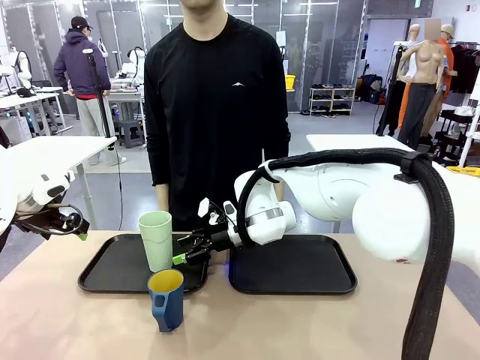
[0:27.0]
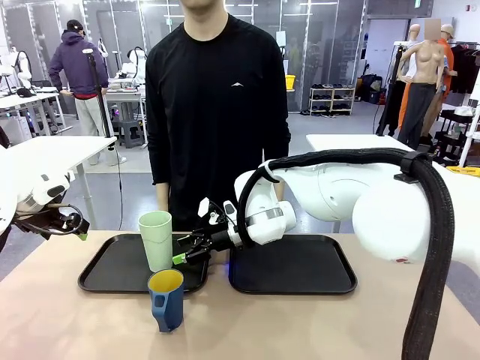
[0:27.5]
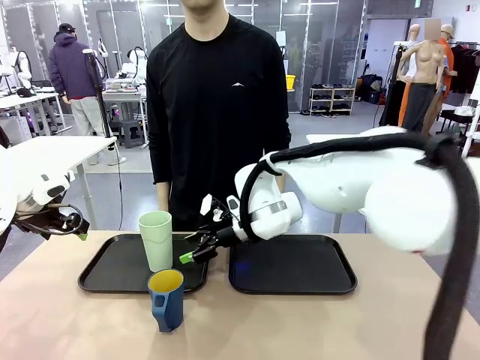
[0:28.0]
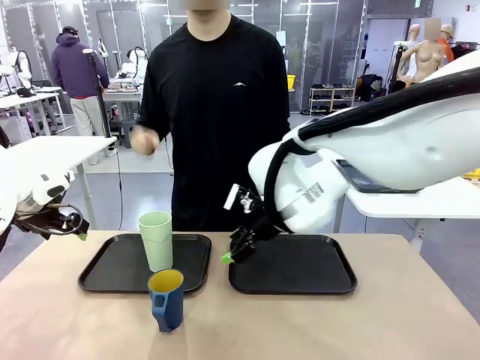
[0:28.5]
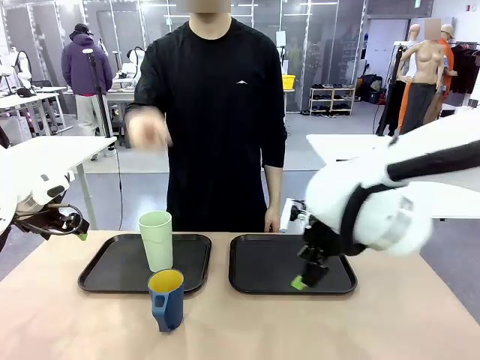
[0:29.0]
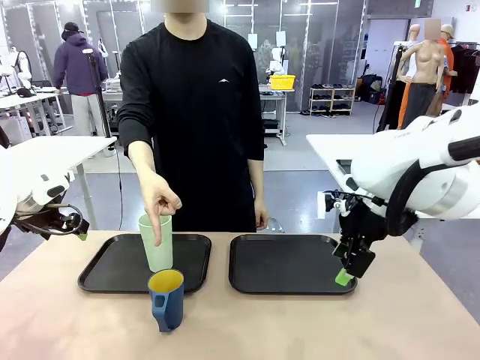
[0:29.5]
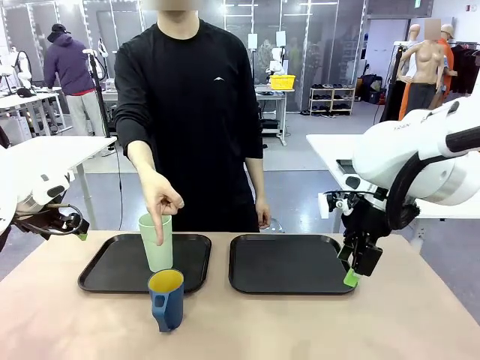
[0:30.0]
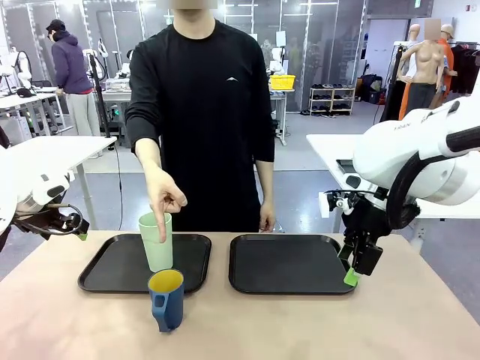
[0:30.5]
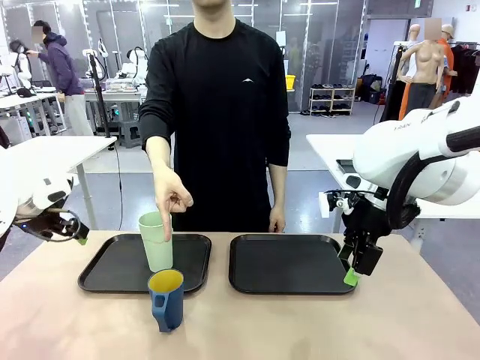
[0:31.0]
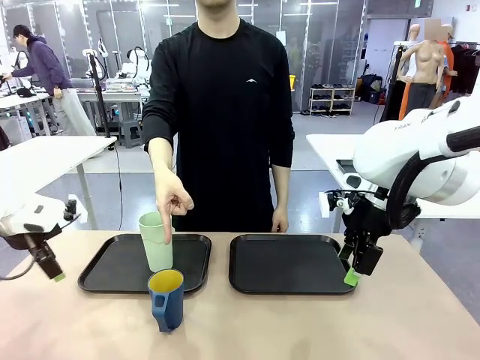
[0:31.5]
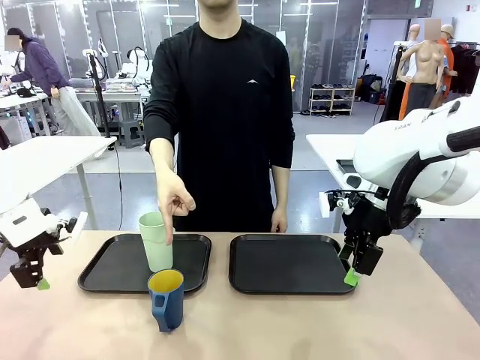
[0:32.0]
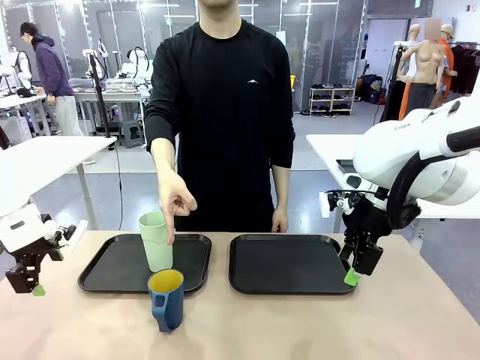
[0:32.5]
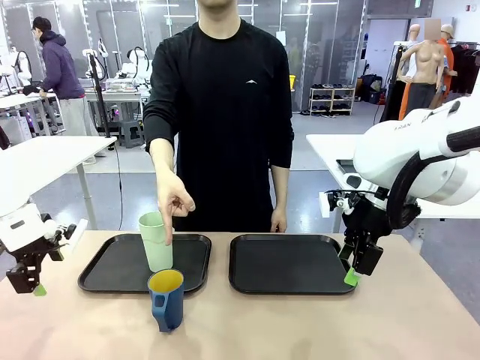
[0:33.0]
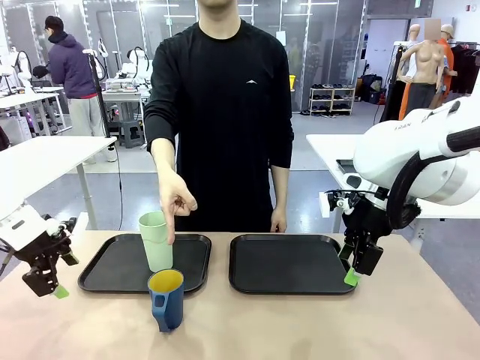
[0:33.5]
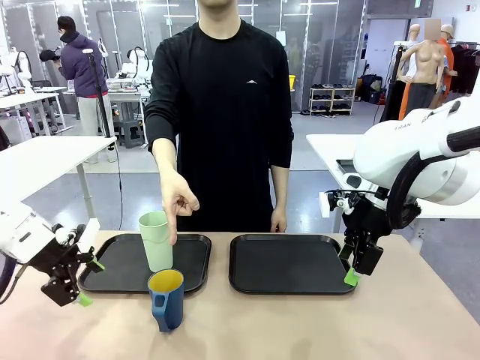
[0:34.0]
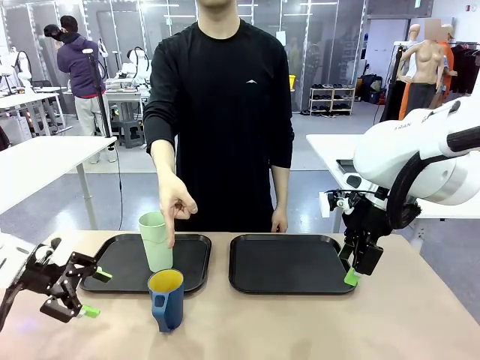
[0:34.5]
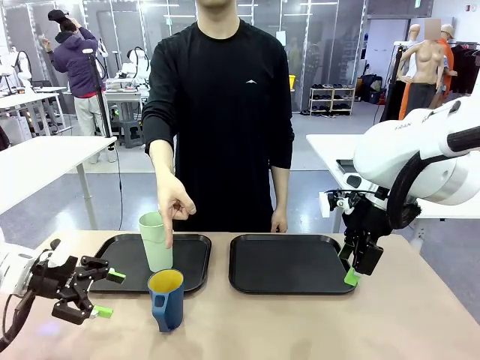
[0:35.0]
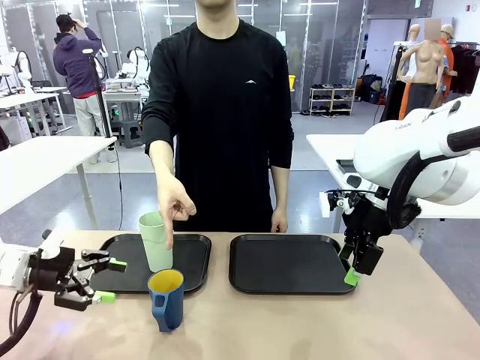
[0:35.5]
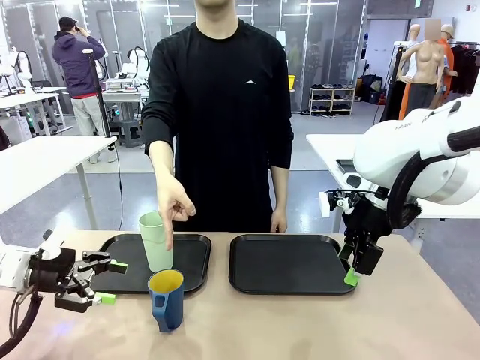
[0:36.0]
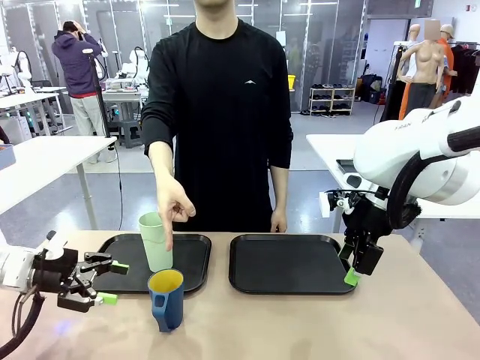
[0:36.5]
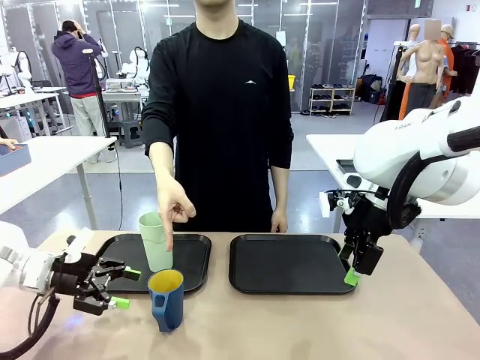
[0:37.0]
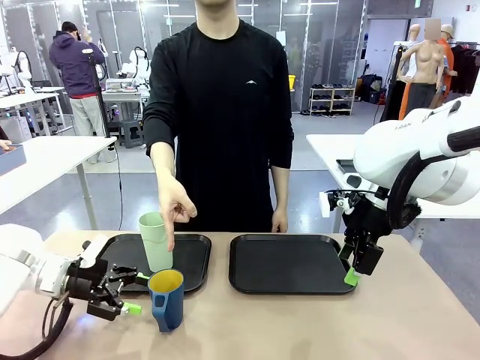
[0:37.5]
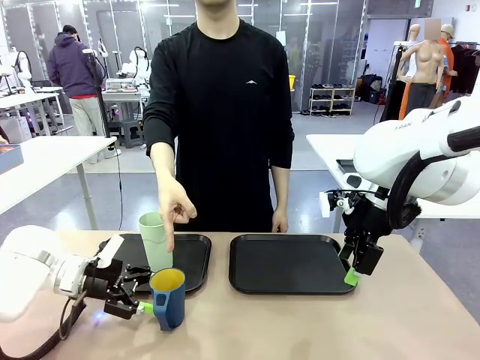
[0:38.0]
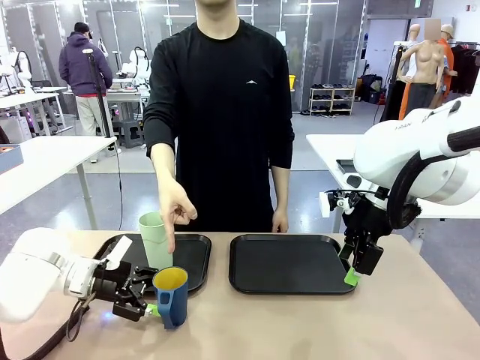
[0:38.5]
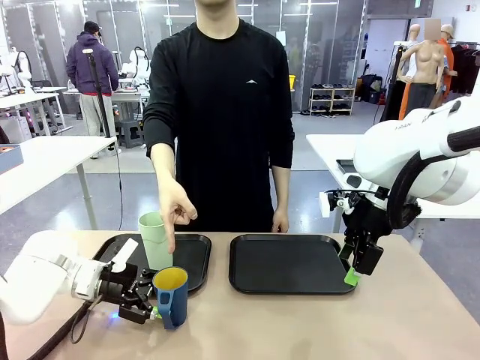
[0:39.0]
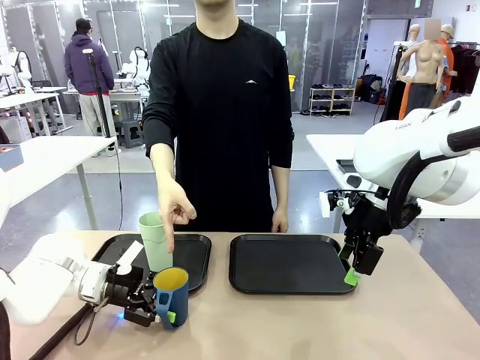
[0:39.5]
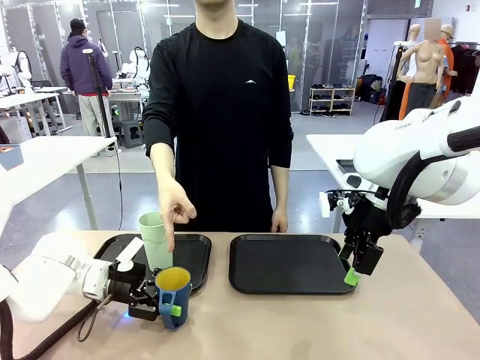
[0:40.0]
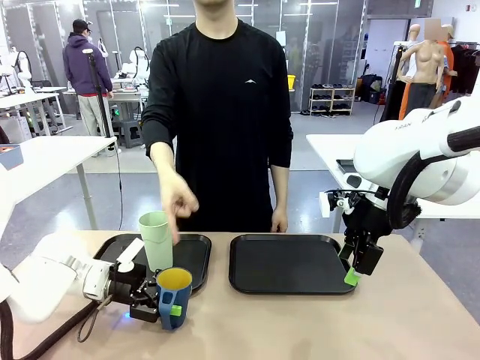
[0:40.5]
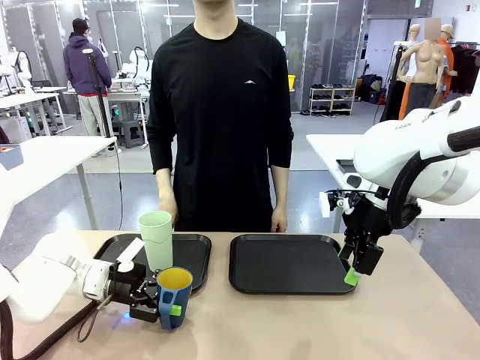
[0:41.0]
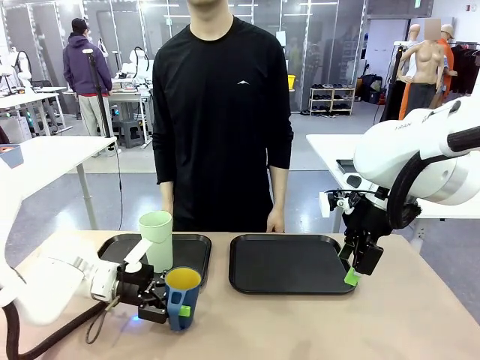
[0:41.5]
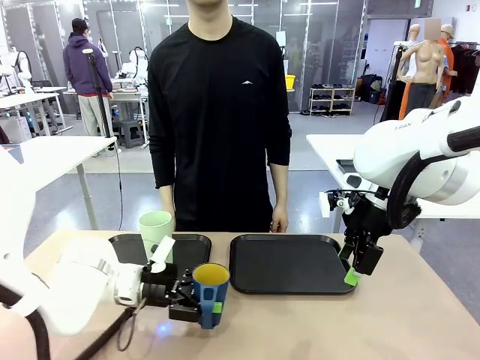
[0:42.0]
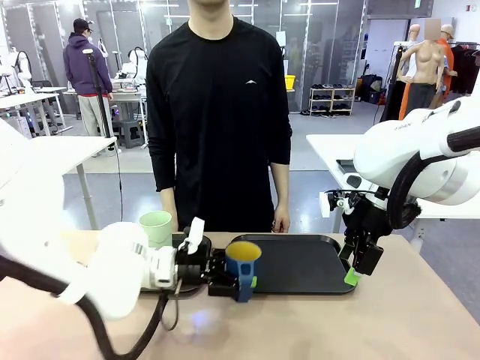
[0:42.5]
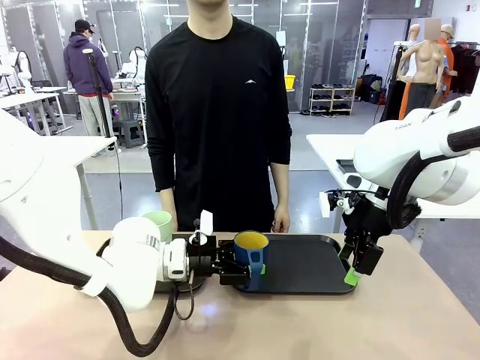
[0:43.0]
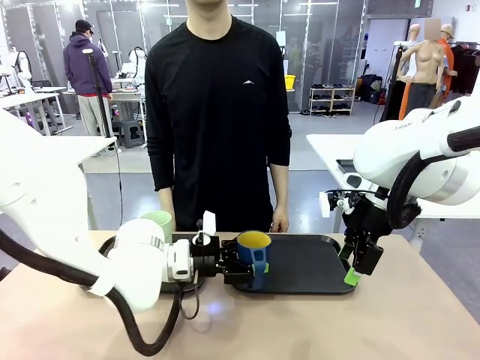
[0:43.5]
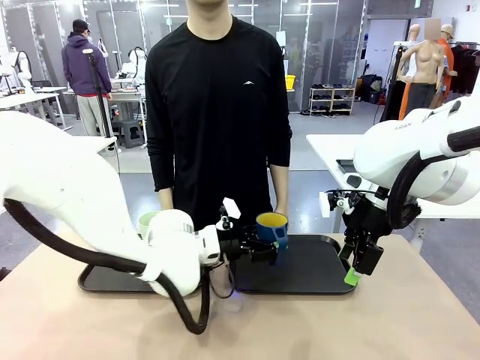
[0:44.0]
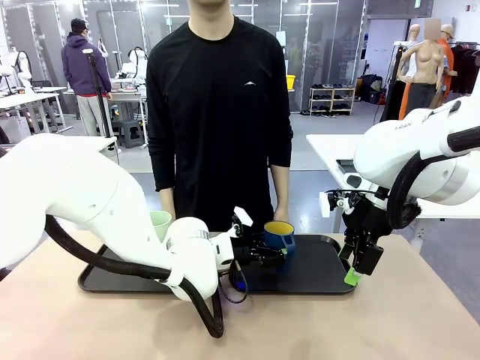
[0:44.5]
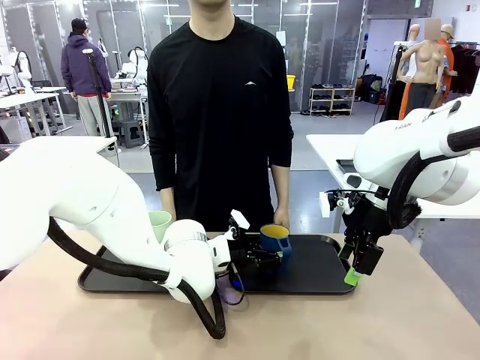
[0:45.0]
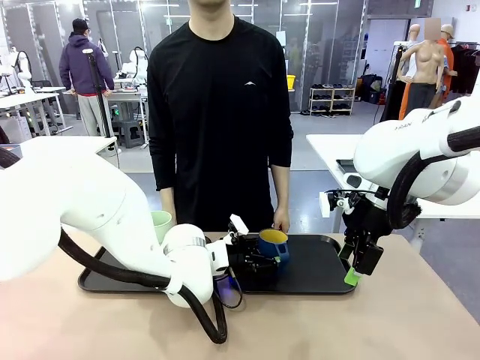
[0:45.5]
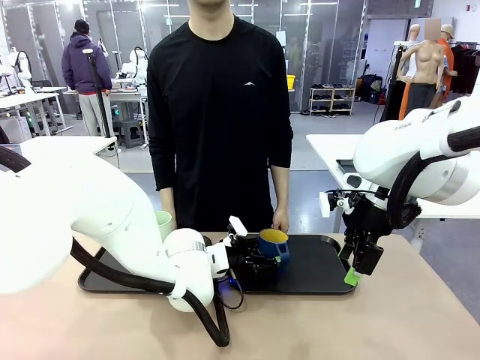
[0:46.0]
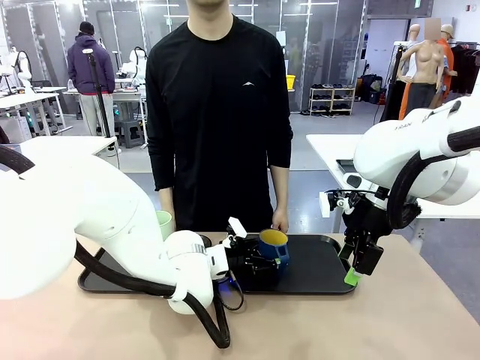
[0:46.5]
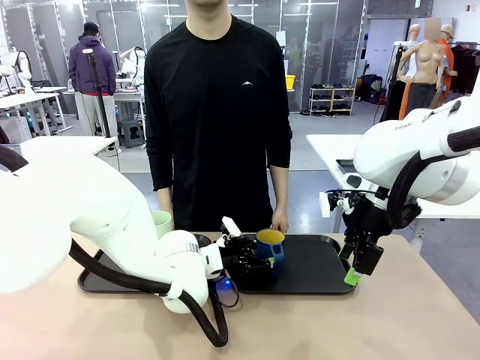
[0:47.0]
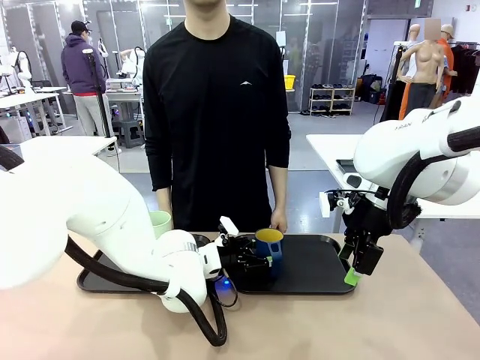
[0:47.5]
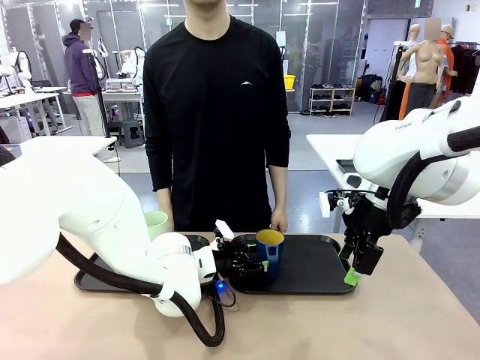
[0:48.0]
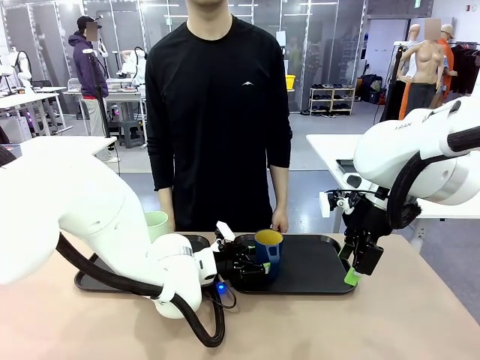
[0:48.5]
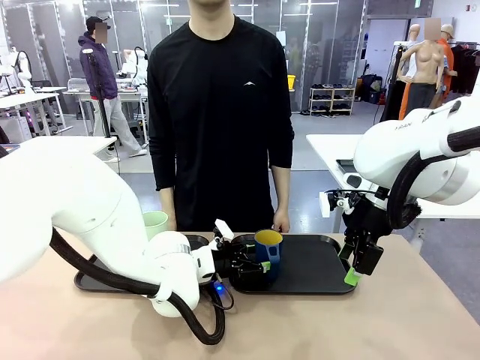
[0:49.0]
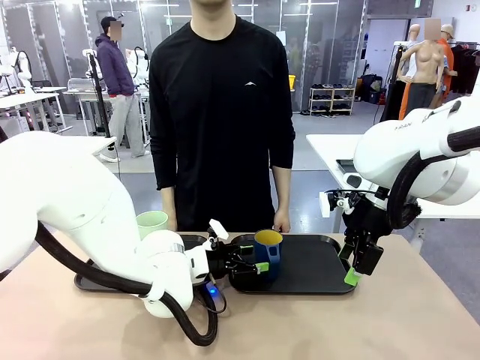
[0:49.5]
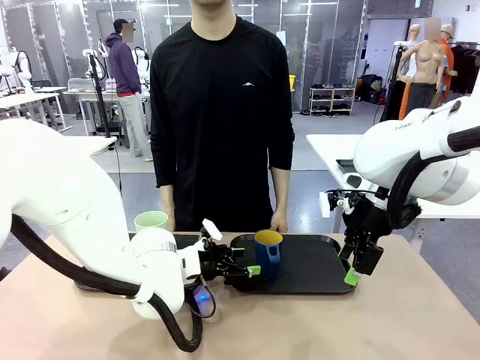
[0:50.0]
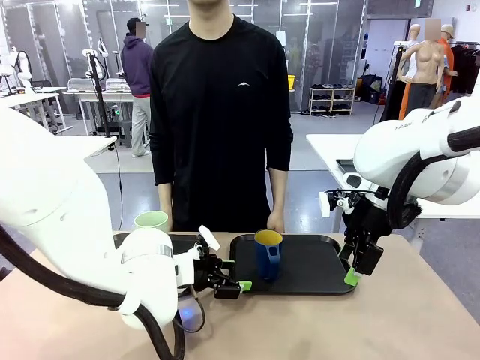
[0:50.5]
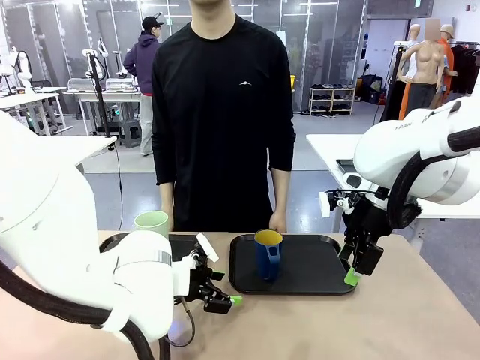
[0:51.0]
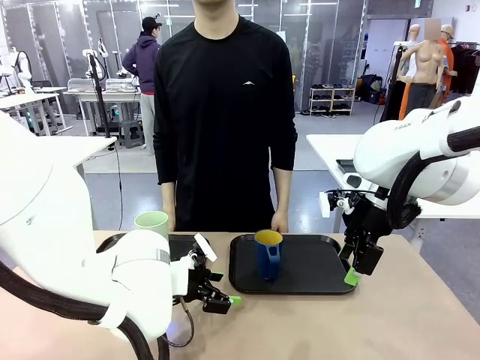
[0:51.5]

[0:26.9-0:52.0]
Task: Sort and store the cups by type.
Robot: Pick up the Handle plastic cup and place it into the empty Flat Tray.
Person: Points to the cup with a handle.
